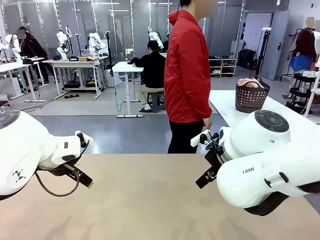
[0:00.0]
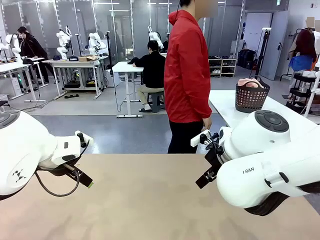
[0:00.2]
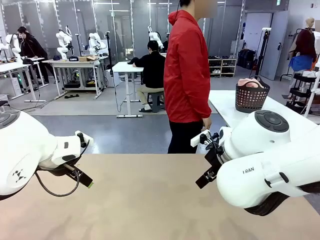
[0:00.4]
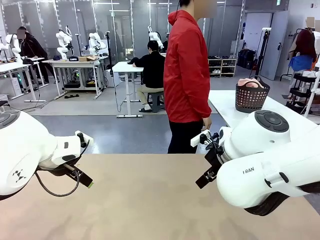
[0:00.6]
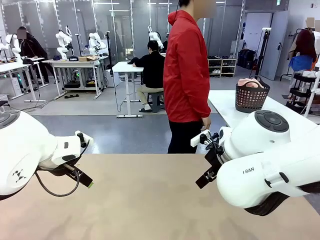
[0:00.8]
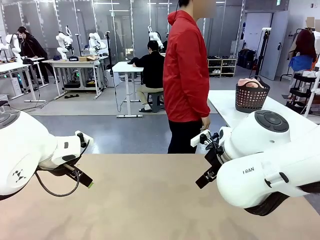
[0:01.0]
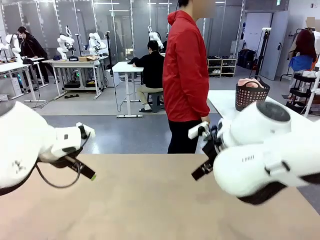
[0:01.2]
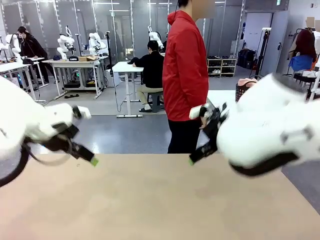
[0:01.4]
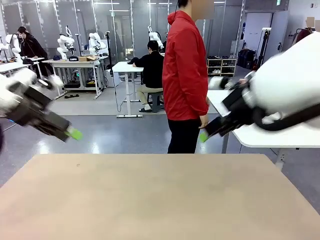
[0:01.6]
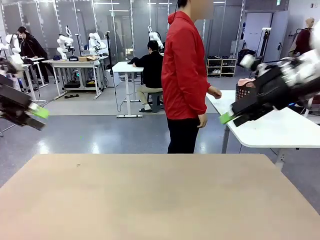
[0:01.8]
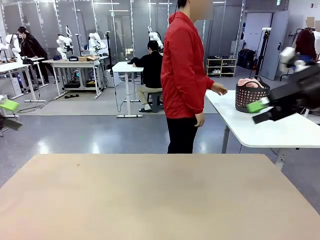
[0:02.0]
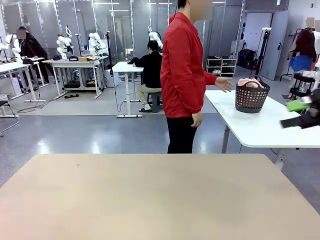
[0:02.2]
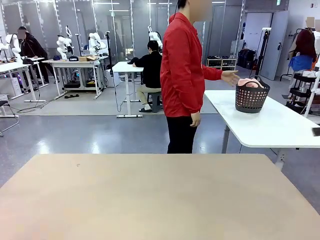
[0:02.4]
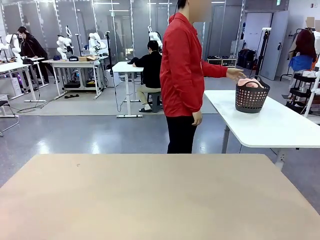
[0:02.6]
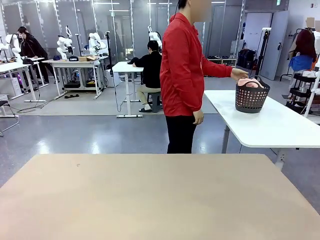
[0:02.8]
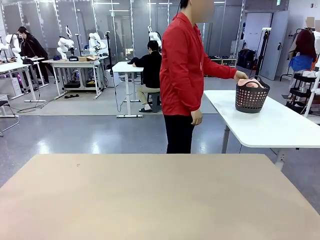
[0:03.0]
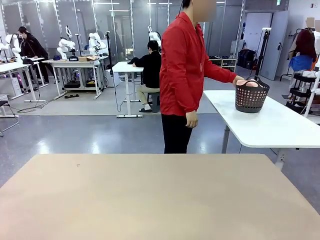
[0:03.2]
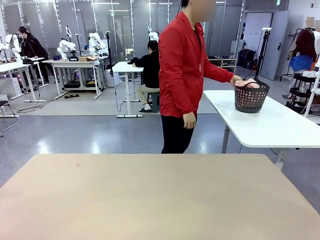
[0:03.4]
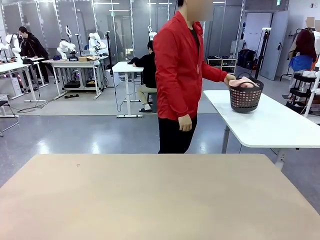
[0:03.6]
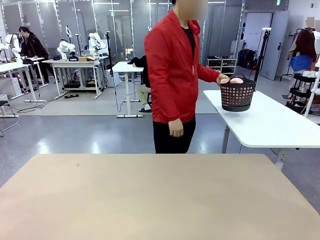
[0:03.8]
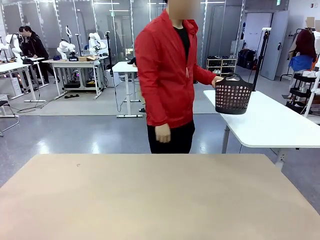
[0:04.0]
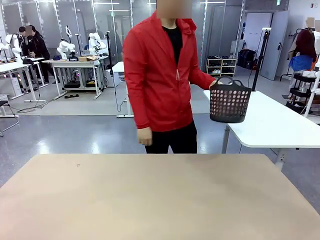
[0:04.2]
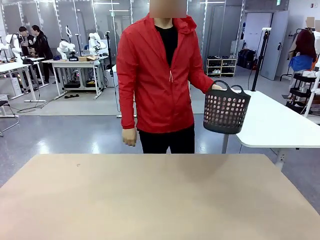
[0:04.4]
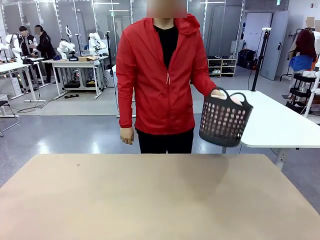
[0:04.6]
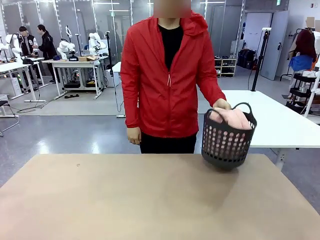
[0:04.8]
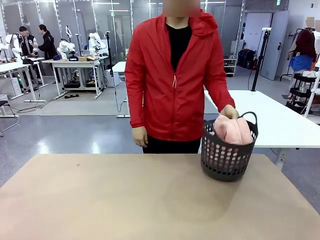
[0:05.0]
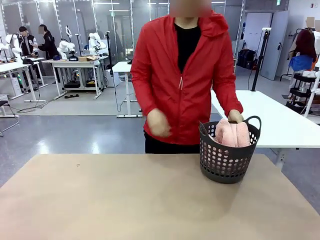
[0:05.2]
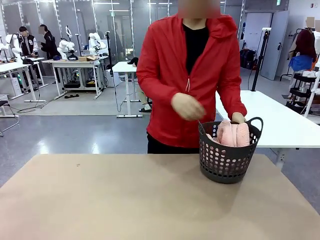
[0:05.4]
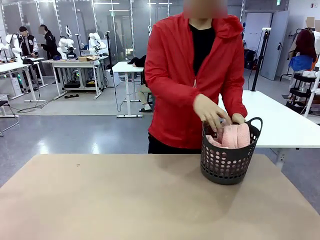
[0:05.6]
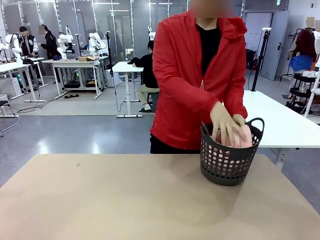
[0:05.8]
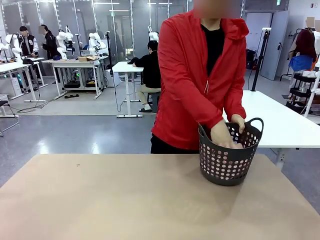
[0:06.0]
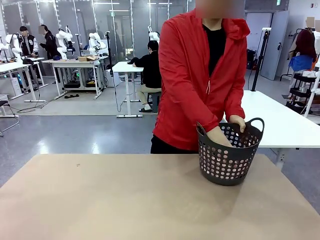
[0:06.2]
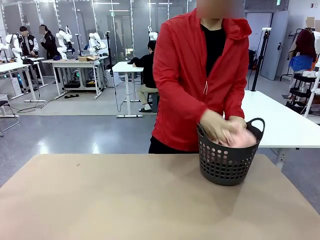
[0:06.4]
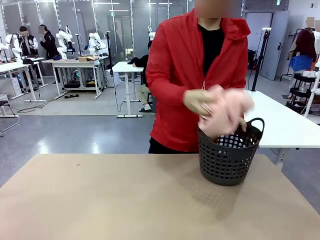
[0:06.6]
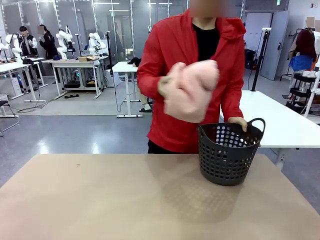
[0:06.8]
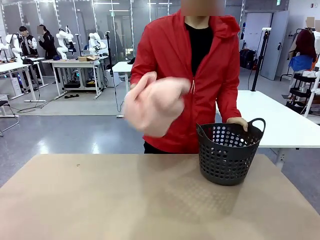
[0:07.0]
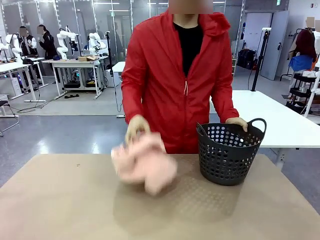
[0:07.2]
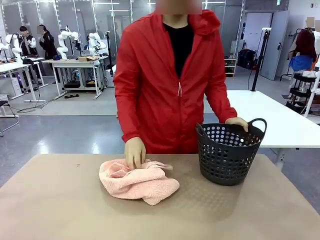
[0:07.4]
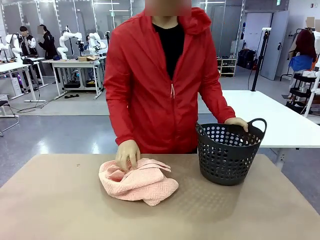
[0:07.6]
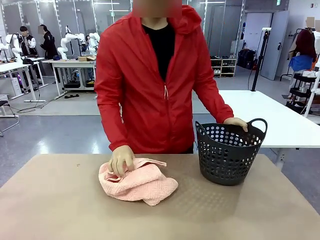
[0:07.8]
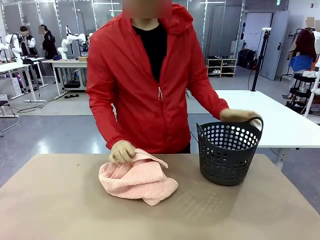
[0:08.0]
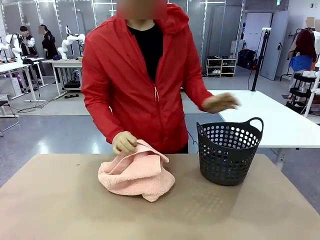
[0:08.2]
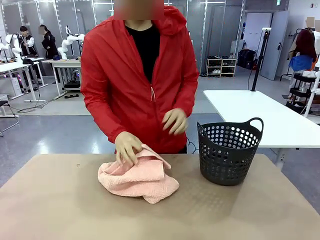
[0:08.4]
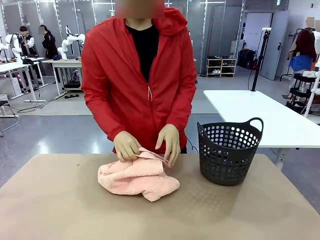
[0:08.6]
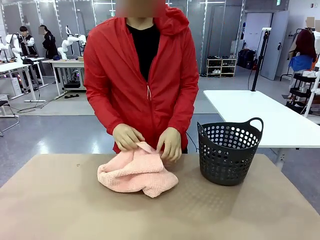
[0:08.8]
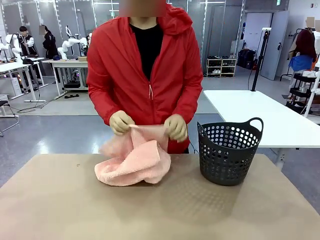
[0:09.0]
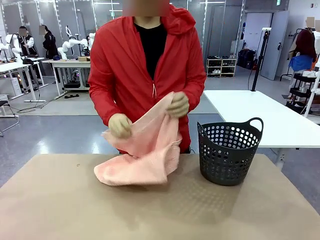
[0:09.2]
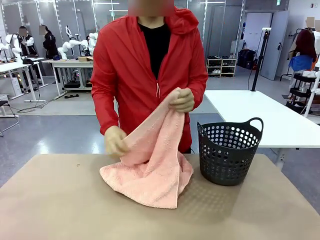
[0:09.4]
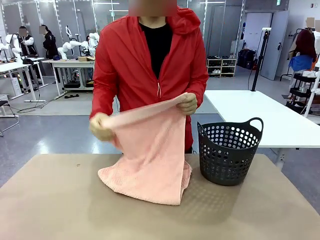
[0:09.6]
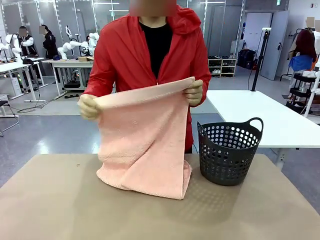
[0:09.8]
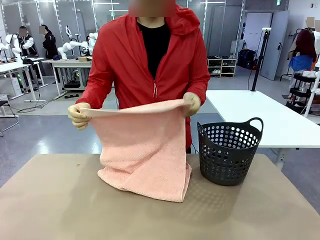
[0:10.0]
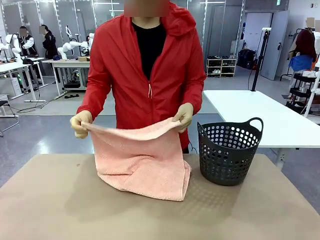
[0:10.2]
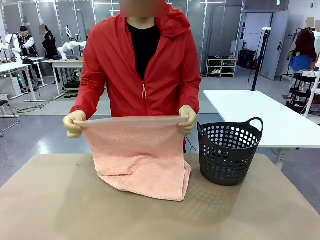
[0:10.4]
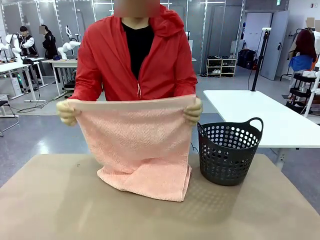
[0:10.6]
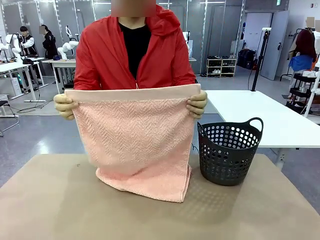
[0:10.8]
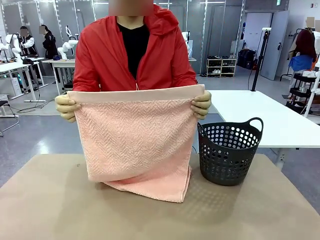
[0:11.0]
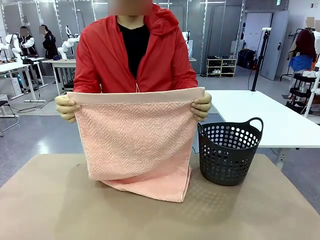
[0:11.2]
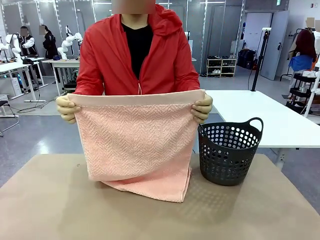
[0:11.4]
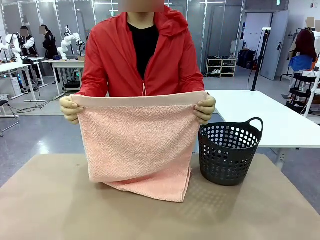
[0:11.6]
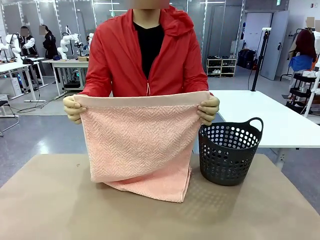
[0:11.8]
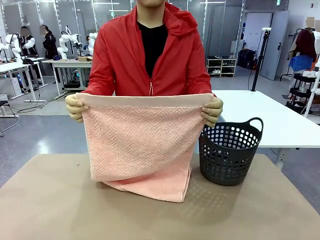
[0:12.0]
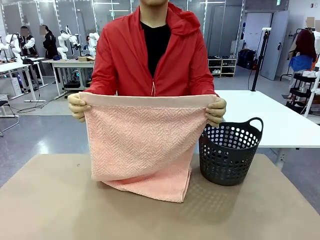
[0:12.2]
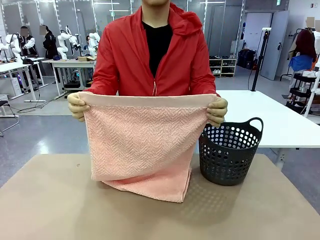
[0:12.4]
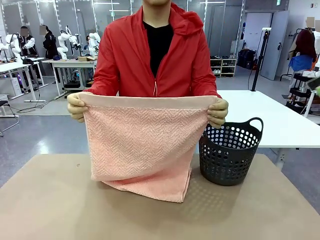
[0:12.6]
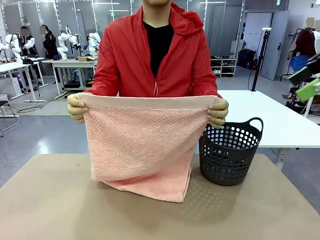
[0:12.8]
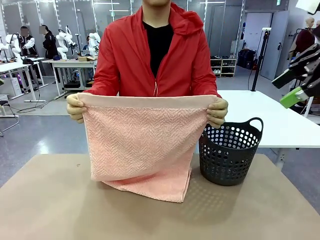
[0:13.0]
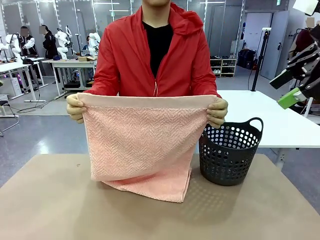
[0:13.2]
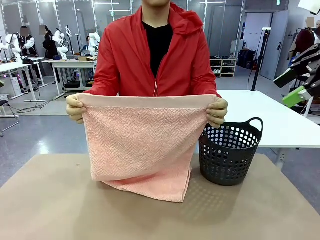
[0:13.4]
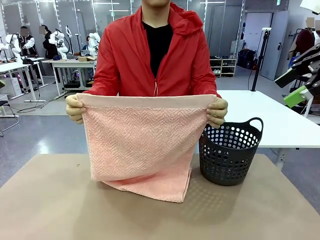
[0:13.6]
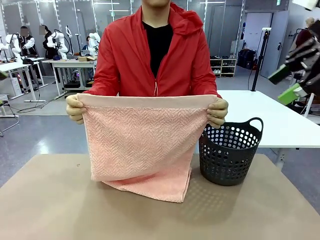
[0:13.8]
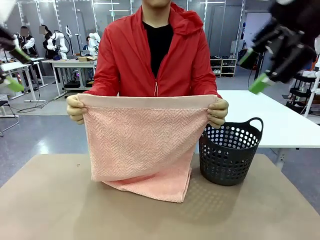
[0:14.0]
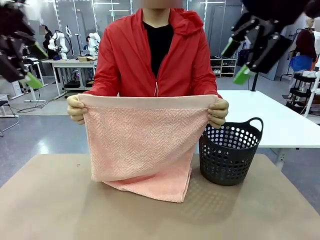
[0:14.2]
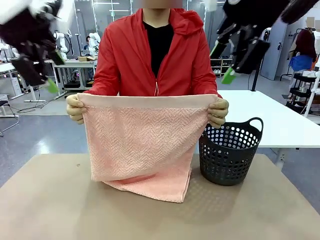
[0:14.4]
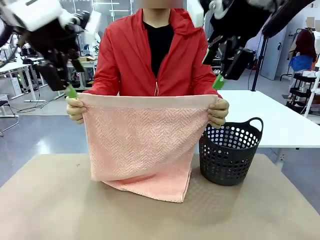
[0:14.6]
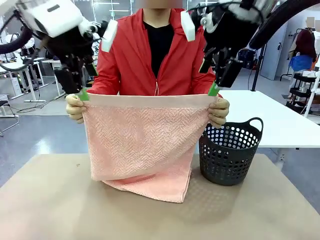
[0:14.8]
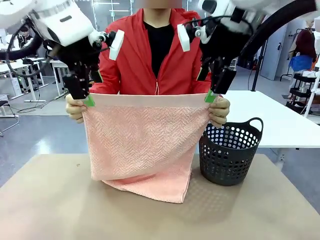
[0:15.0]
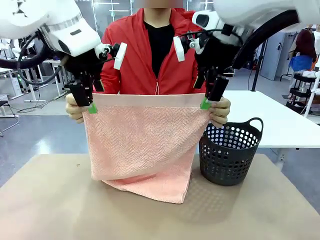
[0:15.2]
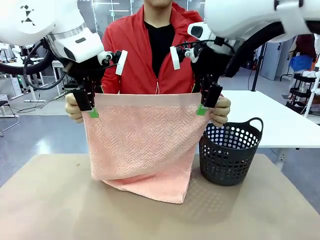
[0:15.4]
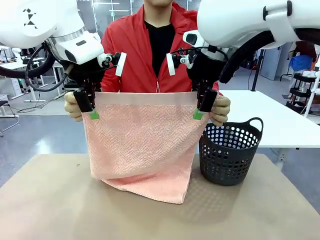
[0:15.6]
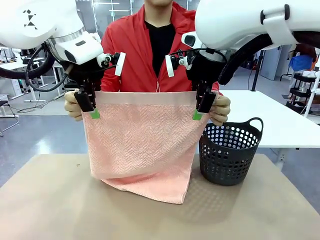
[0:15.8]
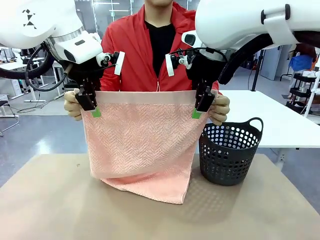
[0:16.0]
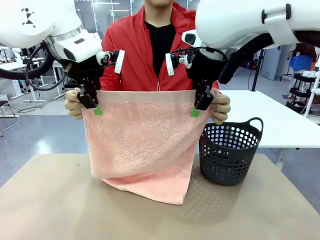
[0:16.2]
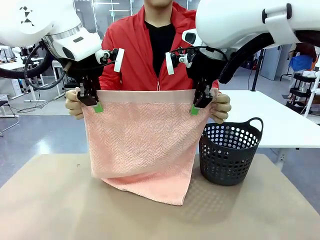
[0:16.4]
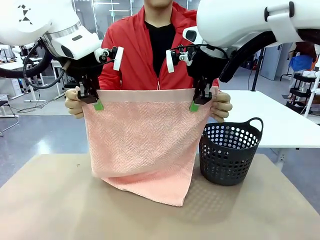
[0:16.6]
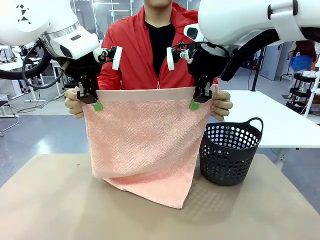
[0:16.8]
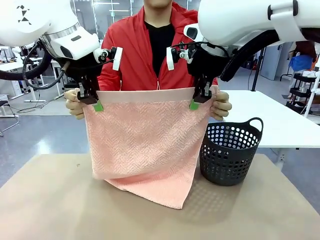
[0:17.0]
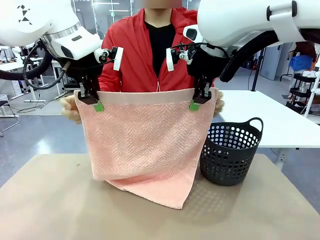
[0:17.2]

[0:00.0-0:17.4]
Task: Fold the towel.
Robot: Grab the top end of the 100 cm Hotel Towel extended by the human.
Person: Pick up the laundry basket, place it on the left side of the robot table, then take out a towel and hand it to the robot while holding both corners of one end.
